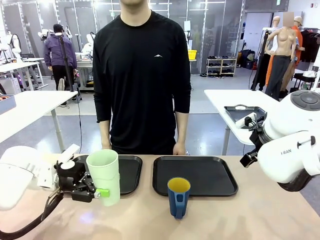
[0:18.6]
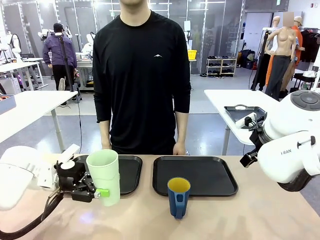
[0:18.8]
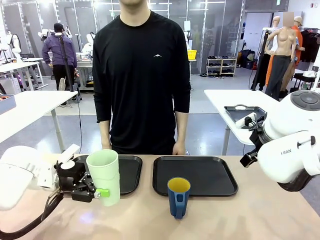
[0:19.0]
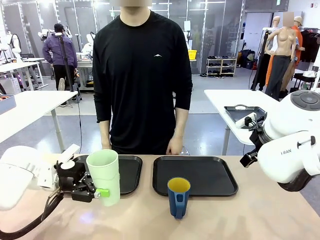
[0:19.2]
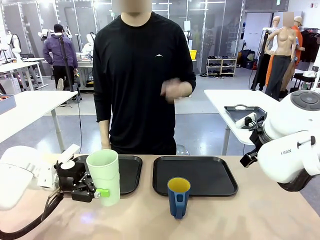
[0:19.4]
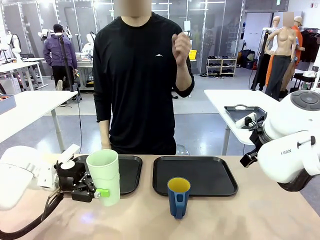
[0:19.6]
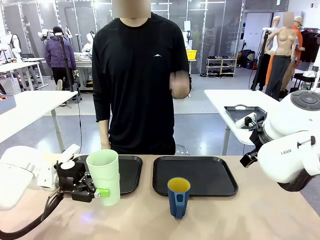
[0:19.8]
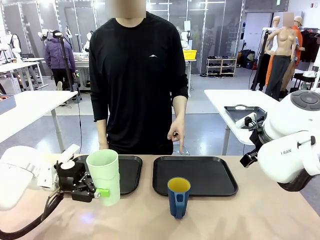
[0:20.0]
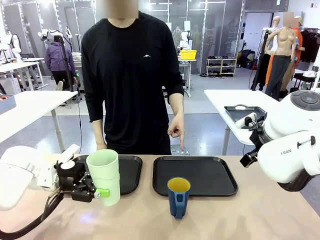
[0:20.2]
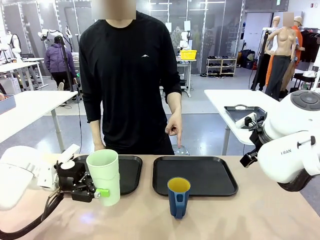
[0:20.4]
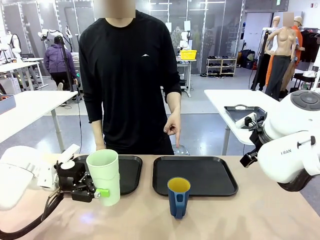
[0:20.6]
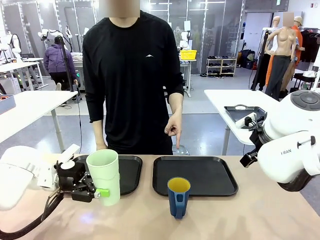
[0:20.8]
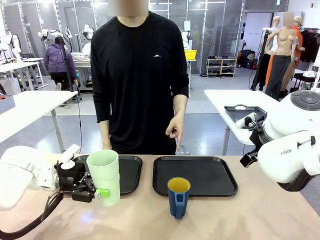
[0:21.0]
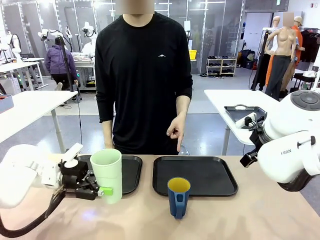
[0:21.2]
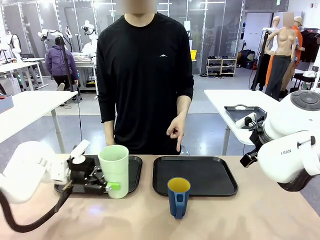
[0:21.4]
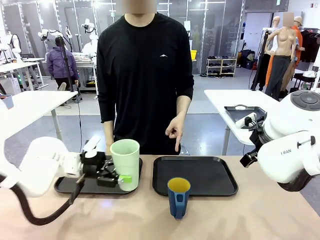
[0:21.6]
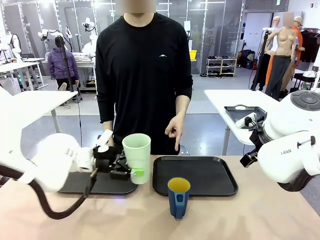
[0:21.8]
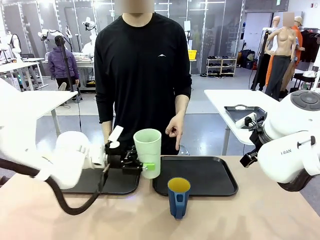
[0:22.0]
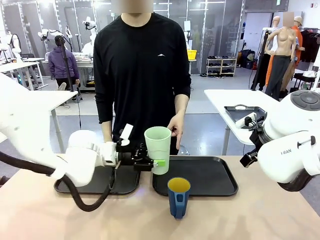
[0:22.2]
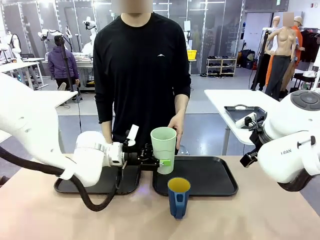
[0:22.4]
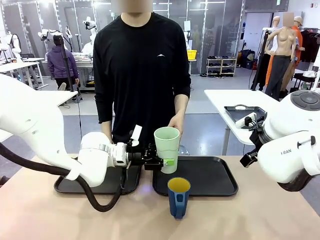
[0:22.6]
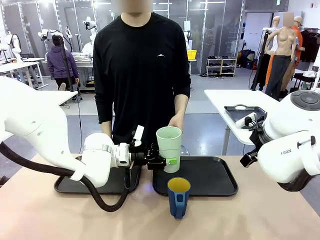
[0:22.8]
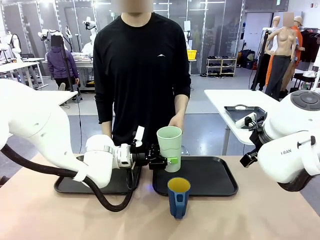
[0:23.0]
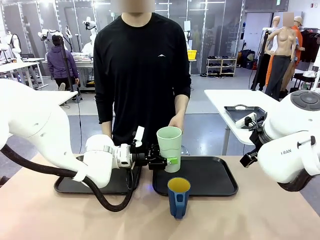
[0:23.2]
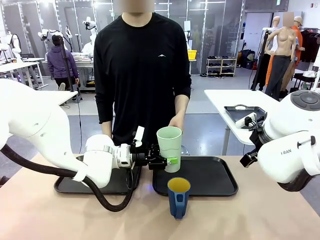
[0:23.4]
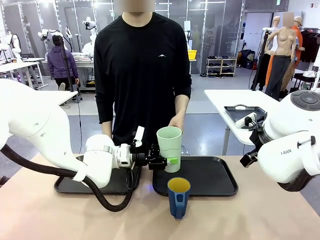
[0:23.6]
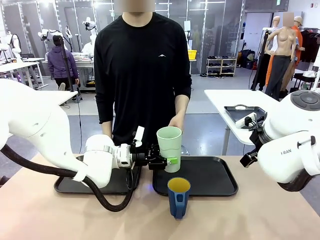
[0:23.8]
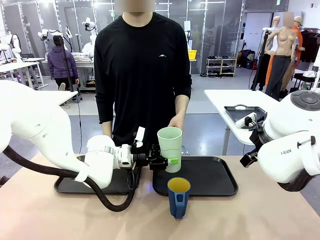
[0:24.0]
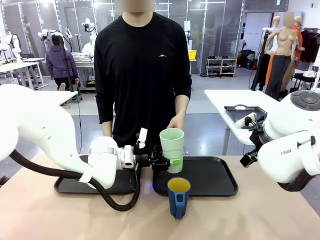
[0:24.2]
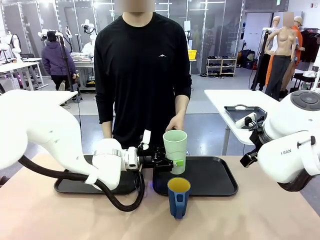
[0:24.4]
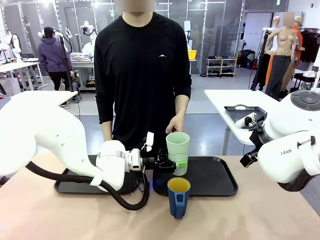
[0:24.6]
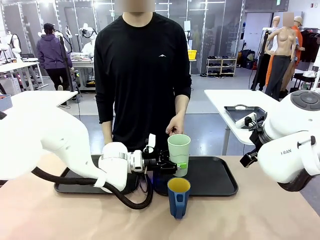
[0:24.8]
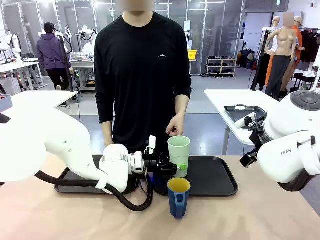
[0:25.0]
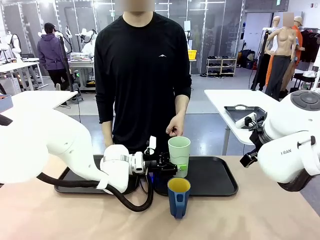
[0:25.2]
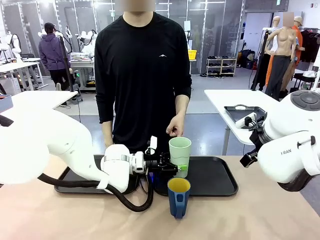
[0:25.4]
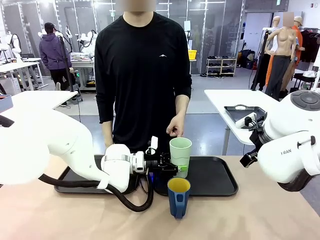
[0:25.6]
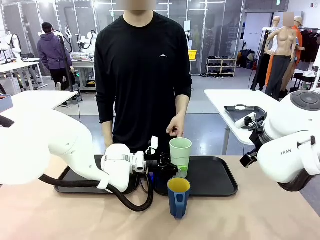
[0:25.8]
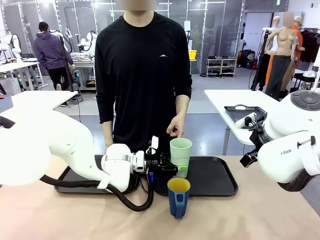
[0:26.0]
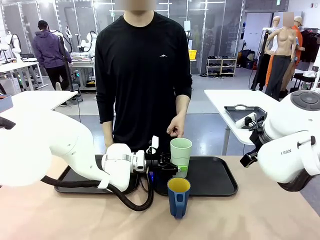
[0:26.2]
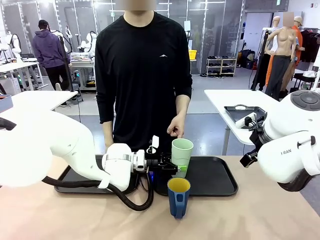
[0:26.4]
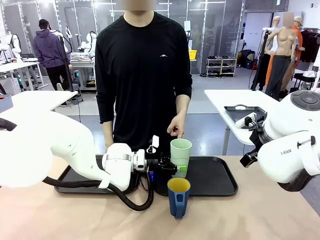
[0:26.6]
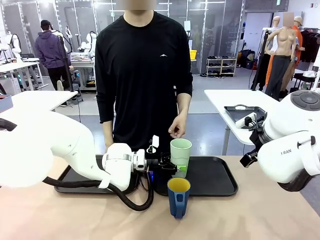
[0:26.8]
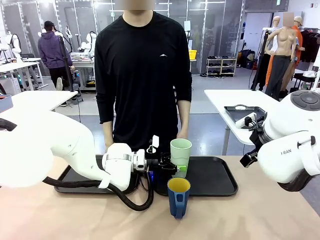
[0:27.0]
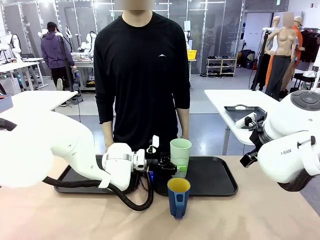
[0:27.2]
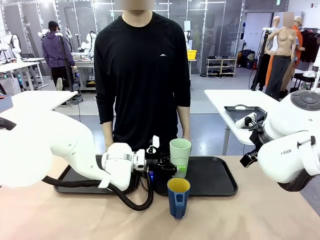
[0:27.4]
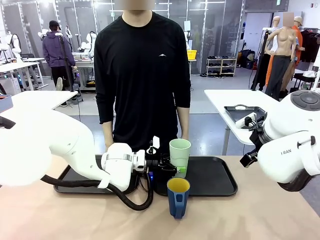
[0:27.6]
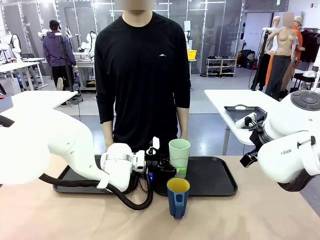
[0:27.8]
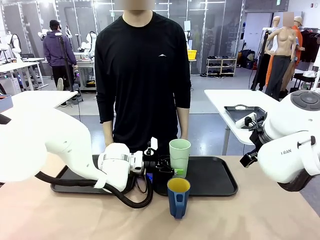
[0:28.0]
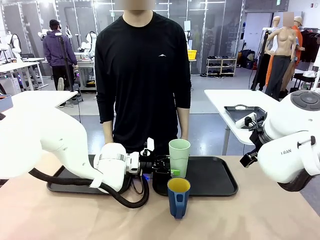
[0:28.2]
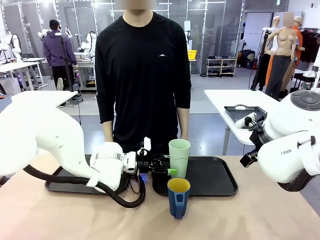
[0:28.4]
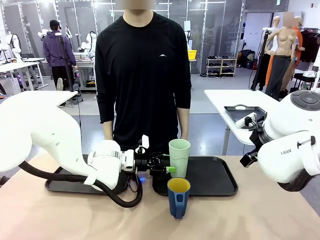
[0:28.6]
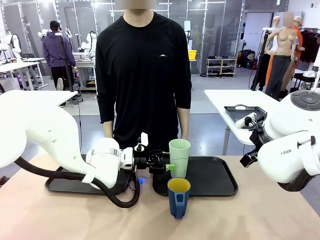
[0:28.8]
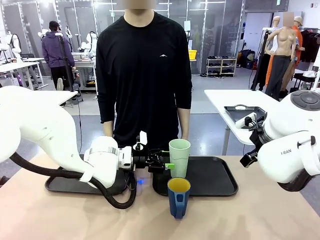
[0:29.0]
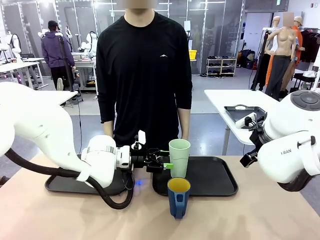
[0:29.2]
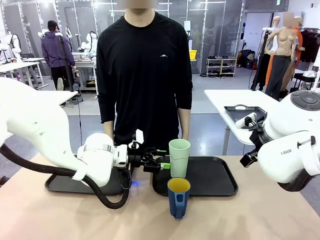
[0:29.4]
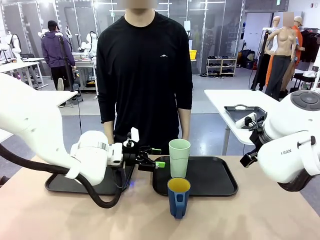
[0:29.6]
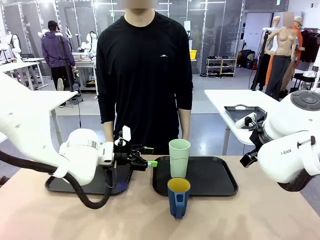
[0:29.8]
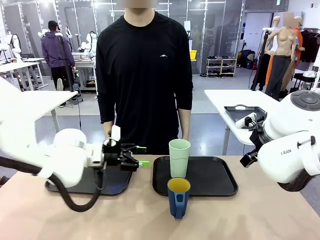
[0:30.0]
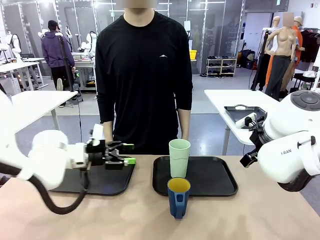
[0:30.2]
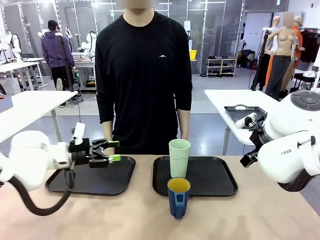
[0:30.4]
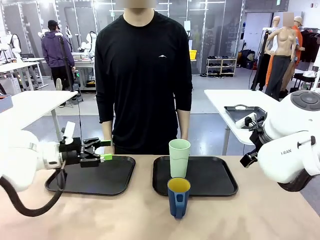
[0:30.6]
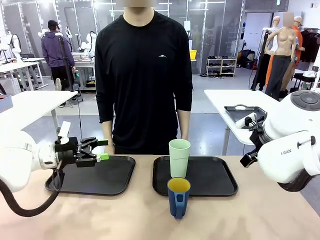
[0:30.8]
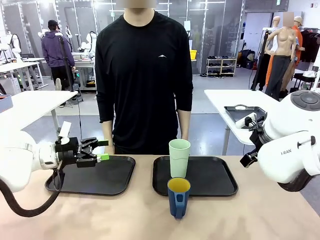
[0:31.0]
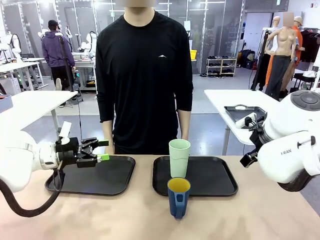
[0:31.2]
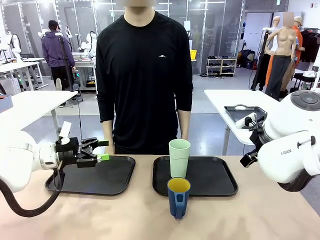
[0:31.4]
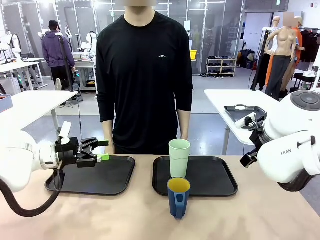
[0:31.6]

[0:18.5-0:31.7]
Task: Sort and store the cups by type.
Robot: Place the picked Reusable plastic cup into the Flat Tray indicated by the person.
